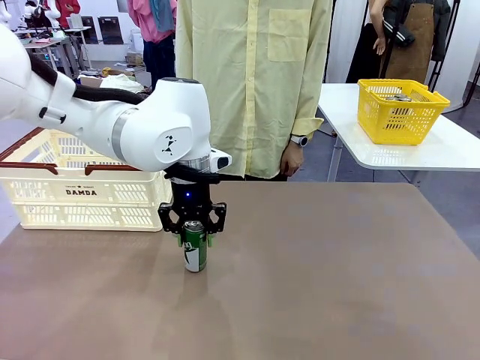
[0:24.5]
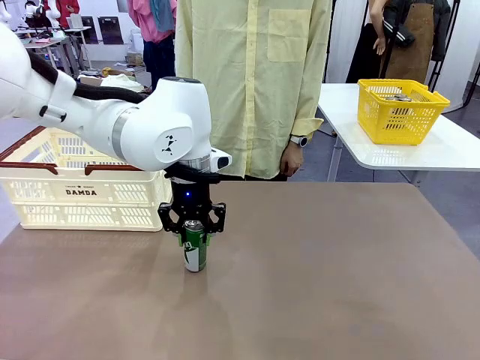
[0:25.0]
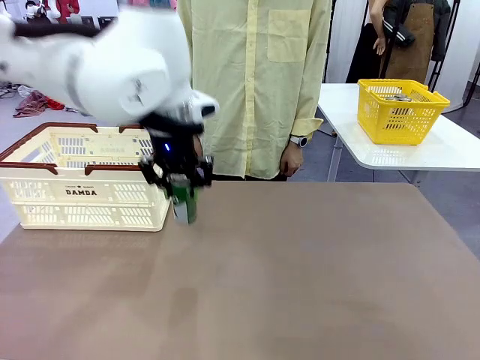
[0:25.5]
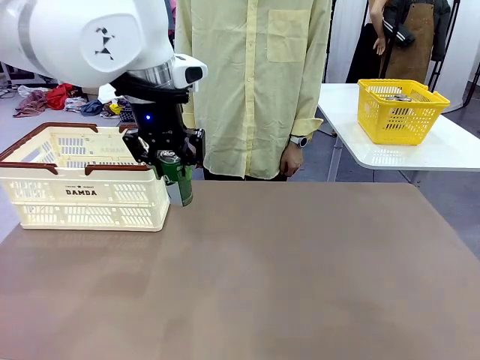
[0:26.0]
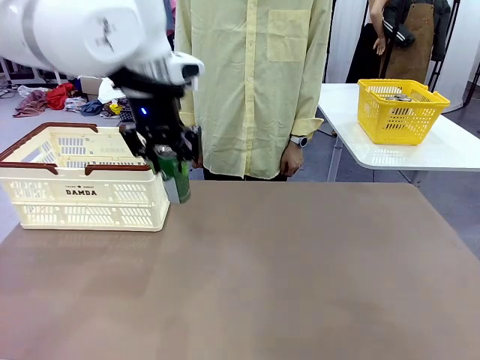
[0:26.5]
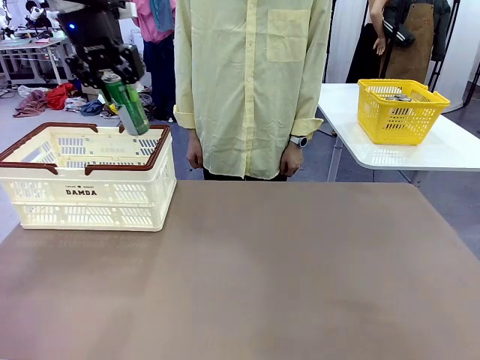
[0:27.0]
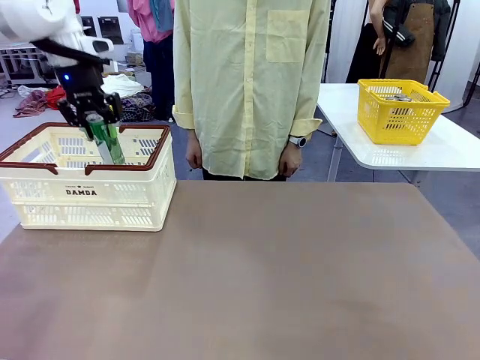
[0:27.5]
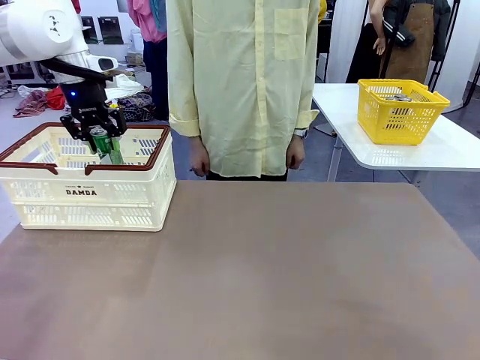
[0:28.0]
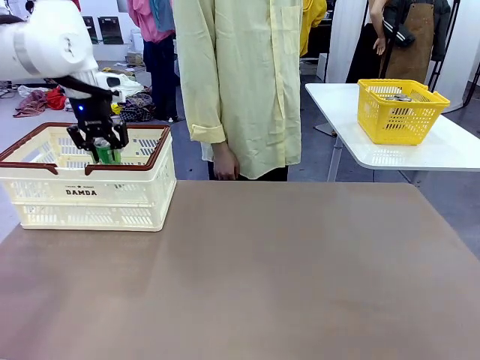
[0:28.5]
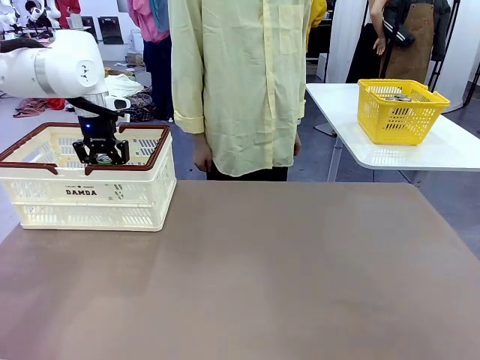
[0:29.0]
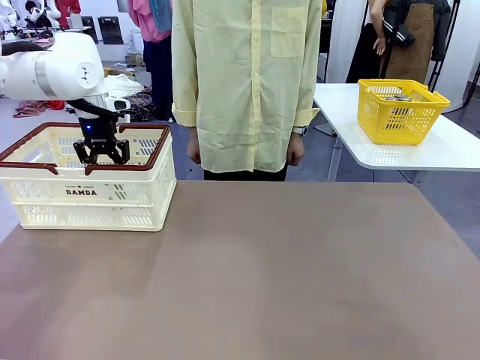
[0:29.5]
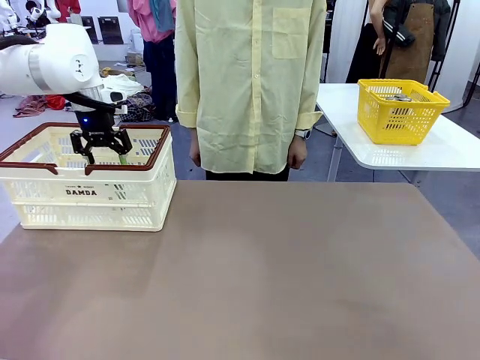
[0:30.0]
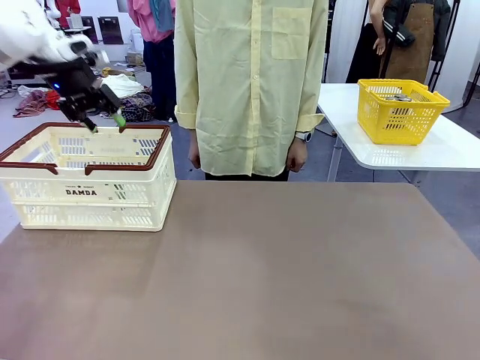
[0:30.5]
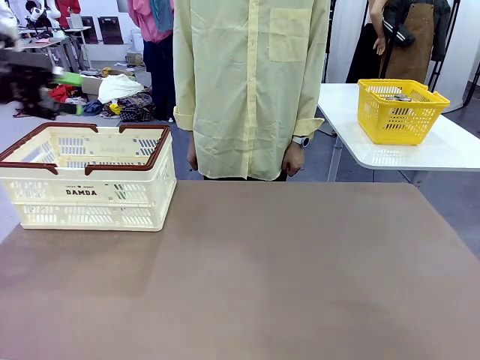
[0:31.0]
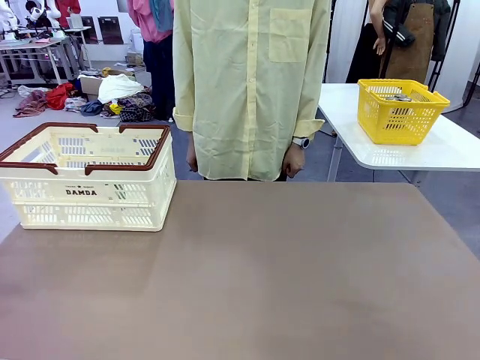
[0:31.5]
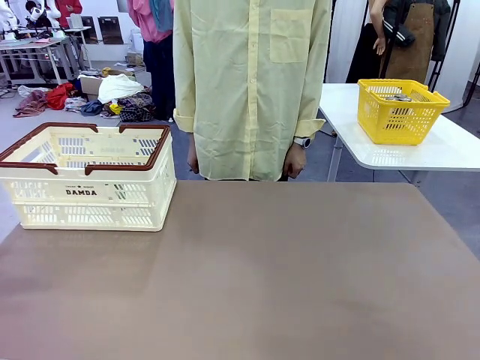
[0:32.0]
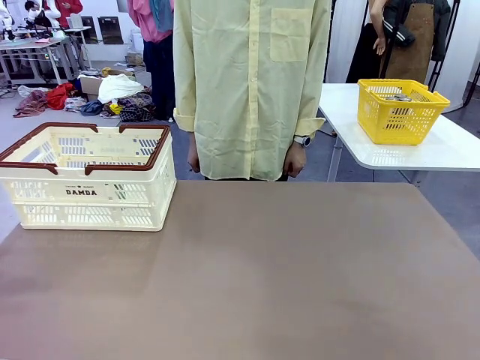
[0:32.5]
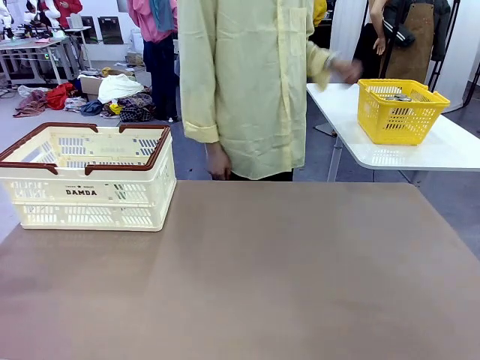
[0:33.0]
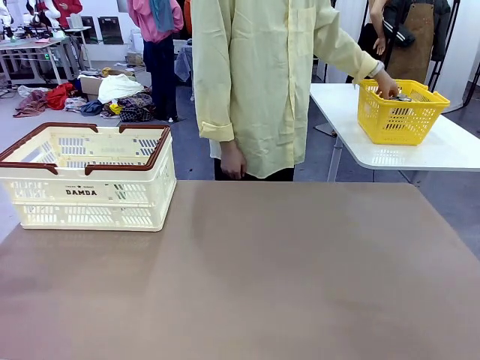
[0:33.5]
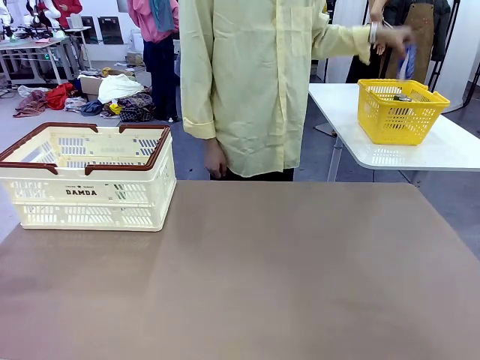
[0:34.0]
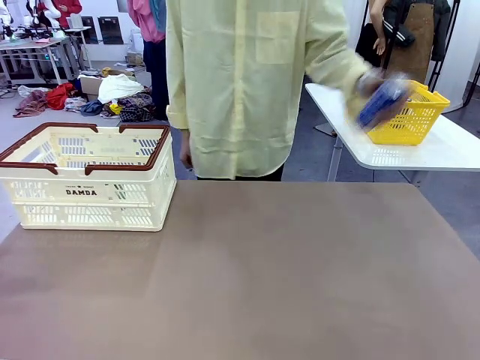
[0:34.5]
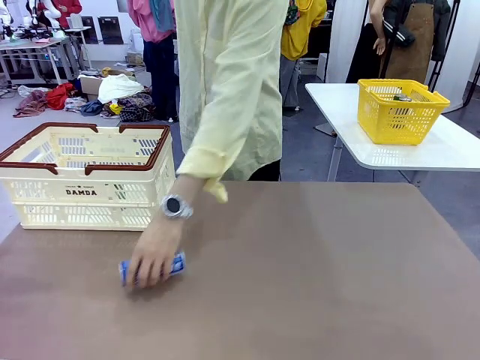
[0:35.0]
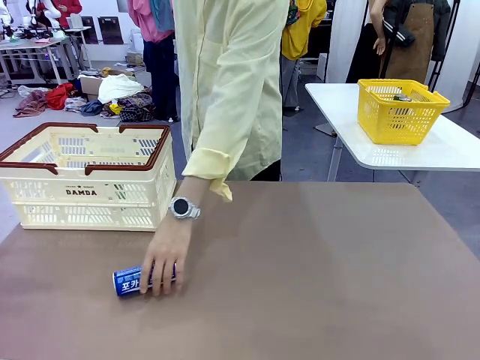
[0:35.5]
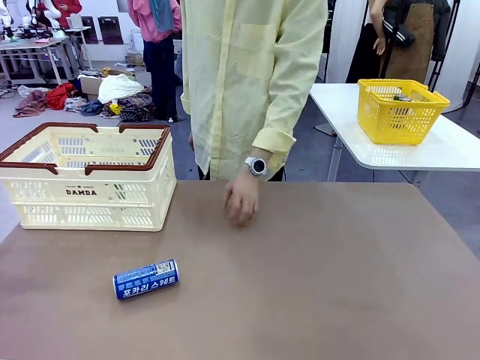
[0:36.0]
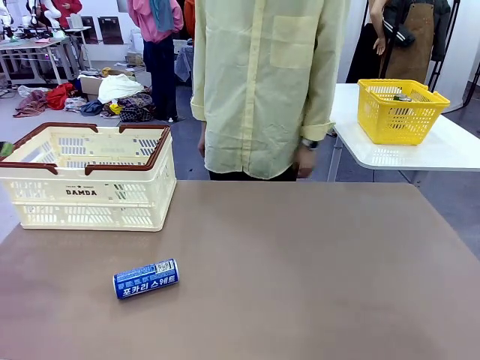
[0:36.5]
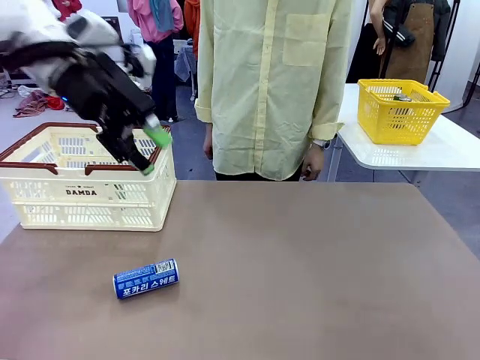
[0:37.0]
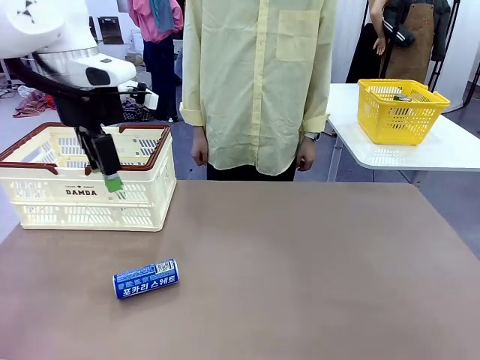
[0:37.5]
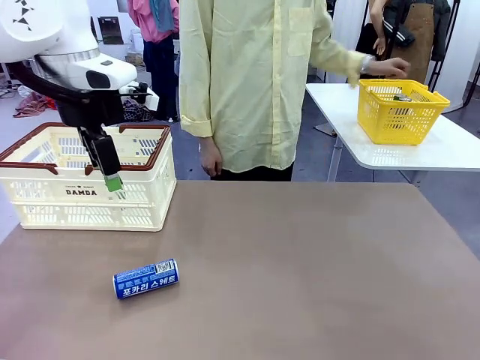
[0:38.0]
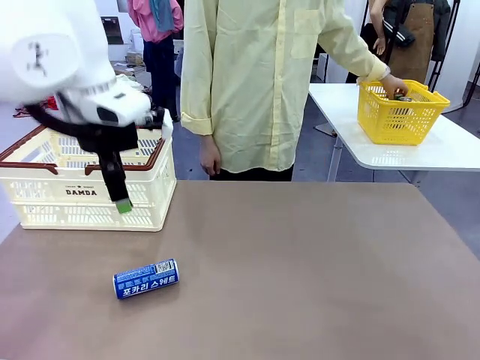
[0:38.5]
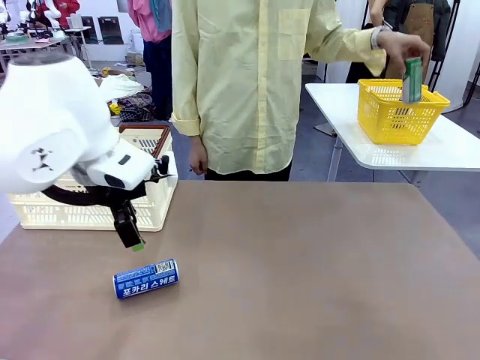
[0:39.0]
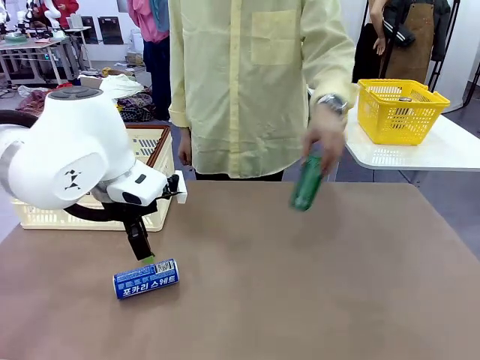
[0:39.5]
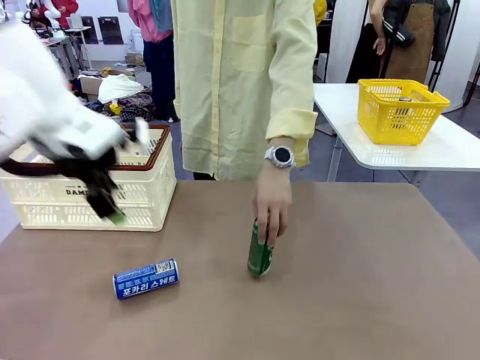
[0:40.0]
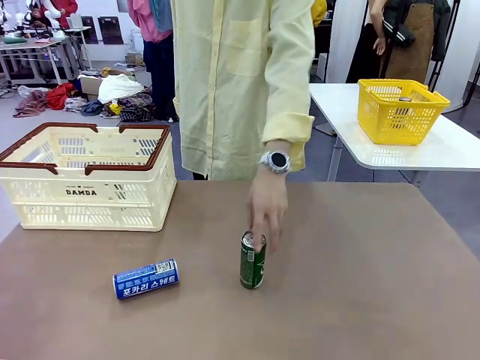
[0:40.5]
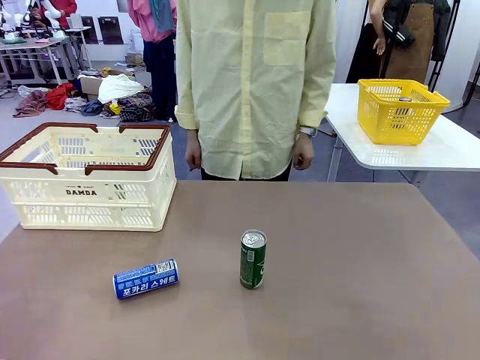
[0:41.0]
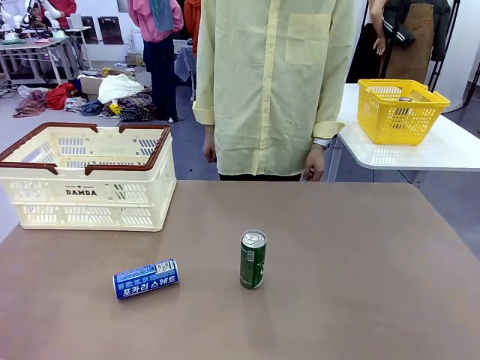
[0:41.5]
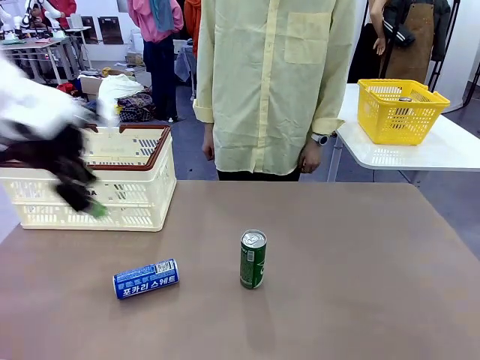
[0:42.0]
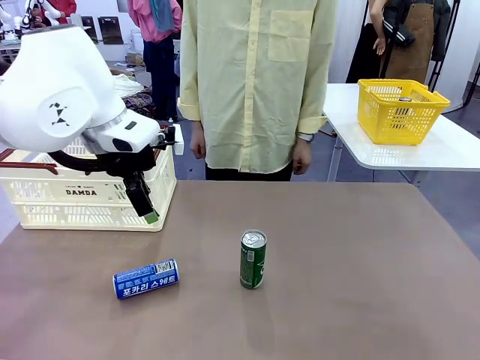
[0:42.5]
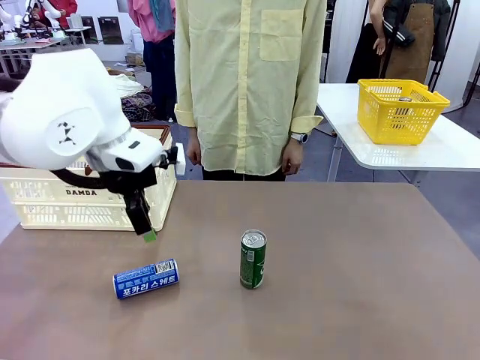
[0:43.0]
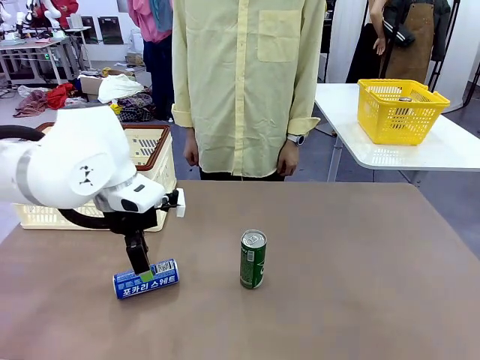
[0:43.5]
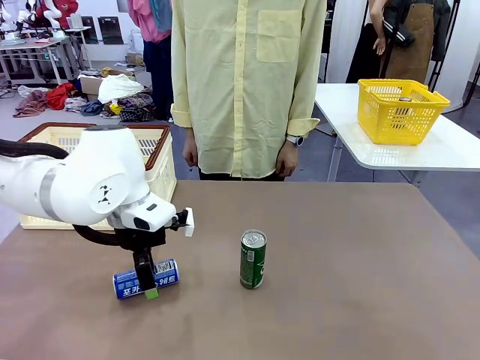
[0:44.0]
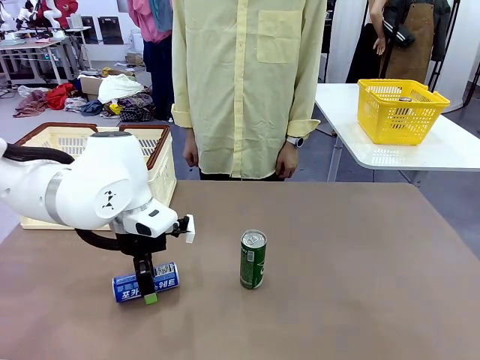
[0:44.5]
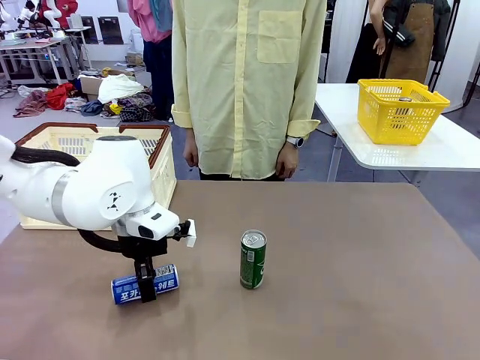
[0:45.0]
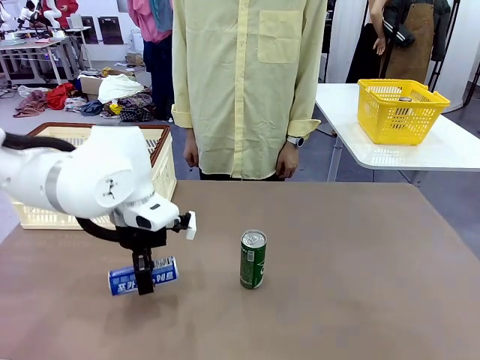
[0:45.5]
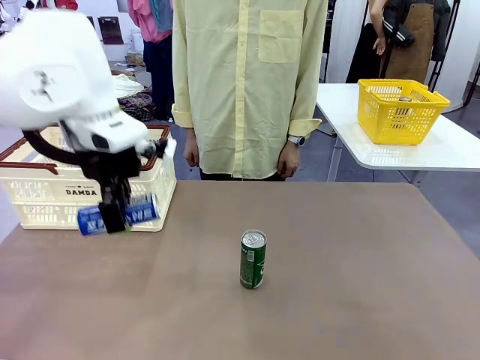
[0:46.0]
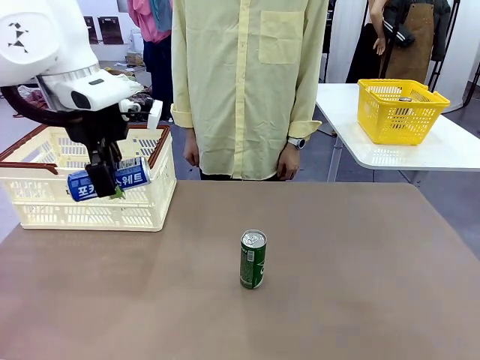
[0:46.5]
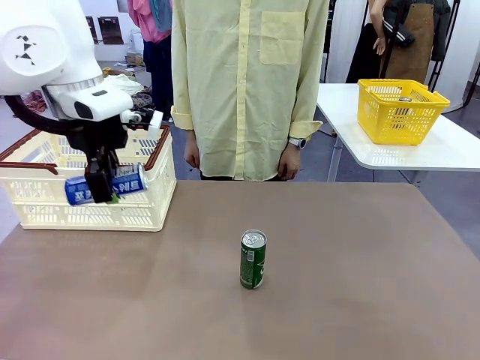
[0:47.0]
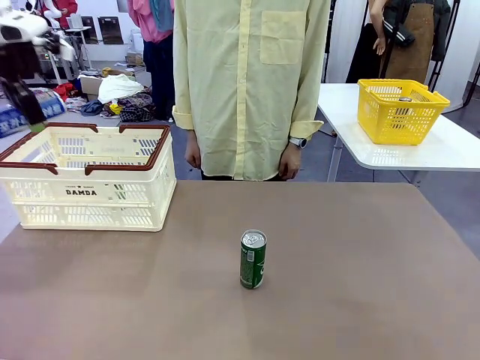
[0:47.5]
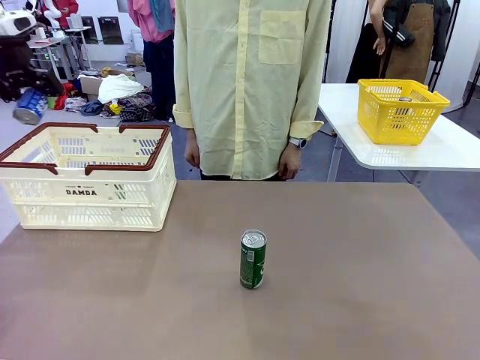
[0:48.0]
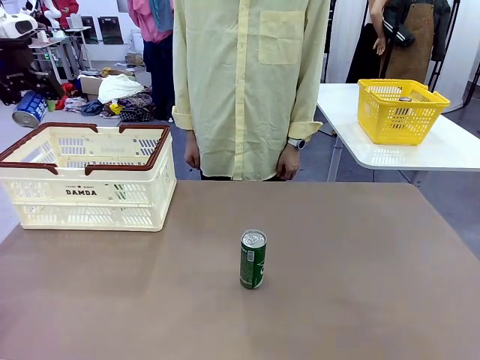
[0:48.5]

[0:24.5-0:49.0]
Task: Place the drinks into the Shopping basket.
Robot: Pick up one drink and place it into the Shopping basket.
